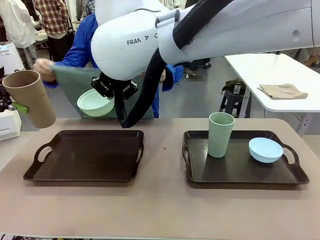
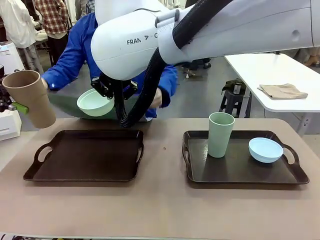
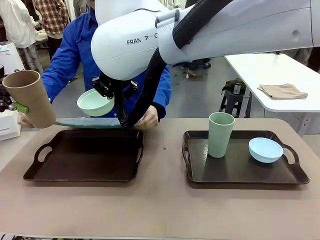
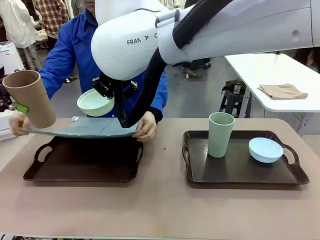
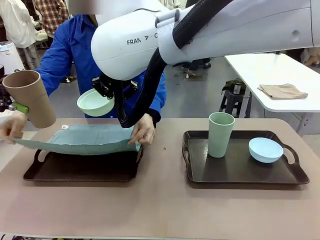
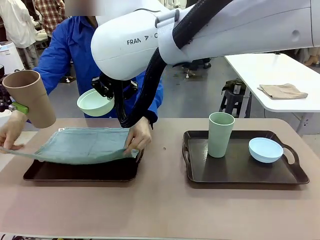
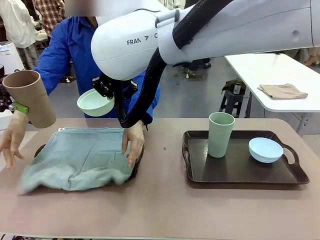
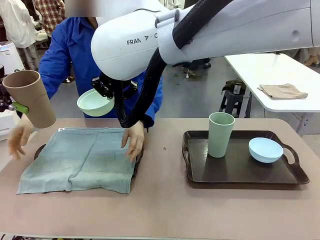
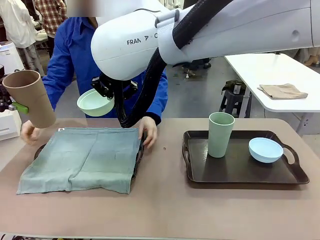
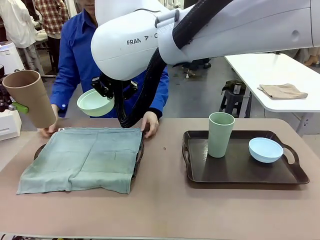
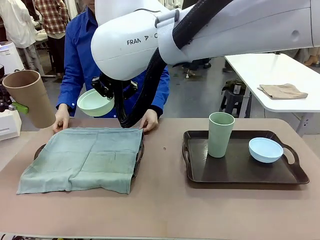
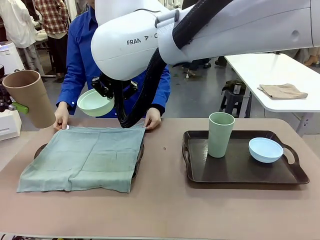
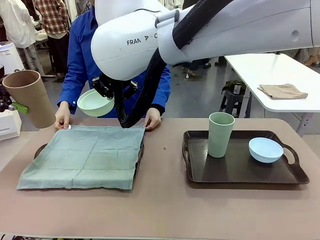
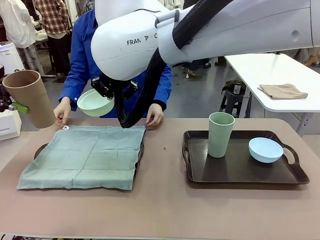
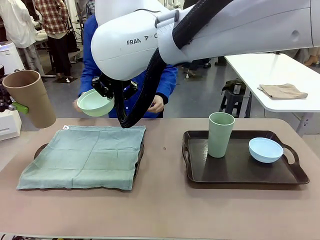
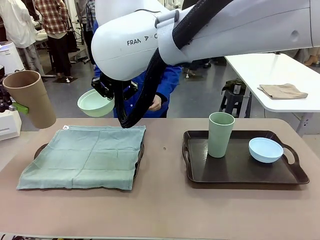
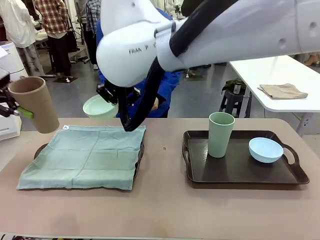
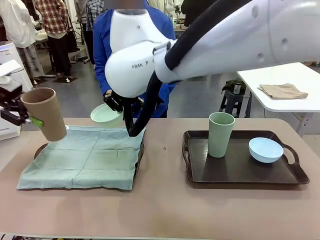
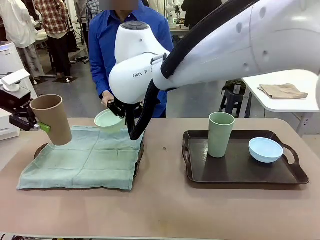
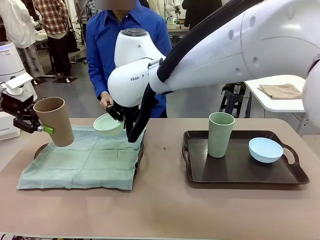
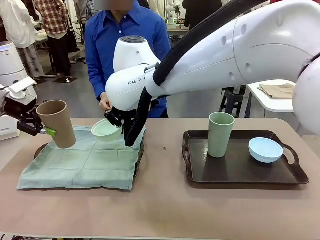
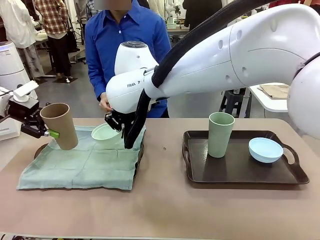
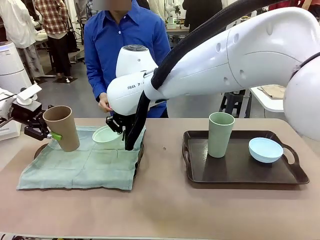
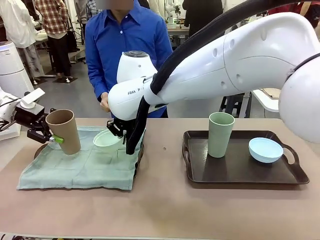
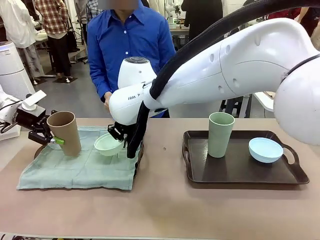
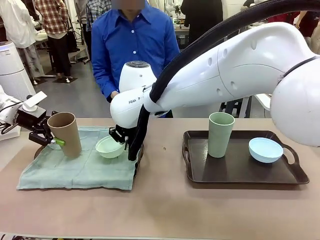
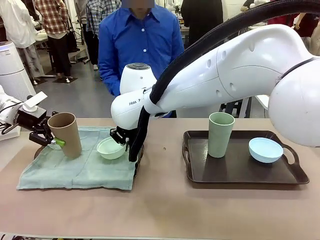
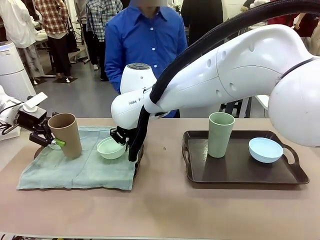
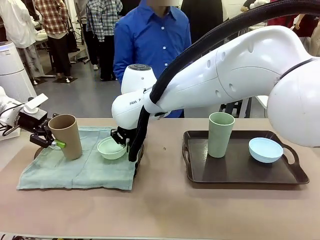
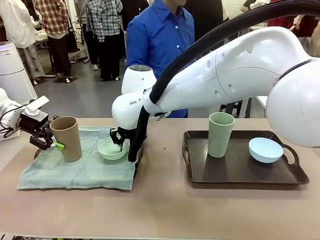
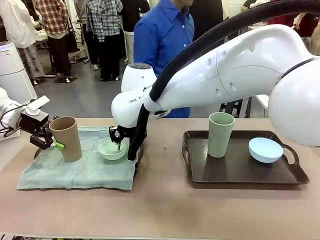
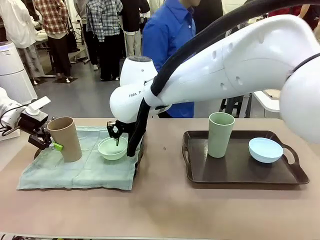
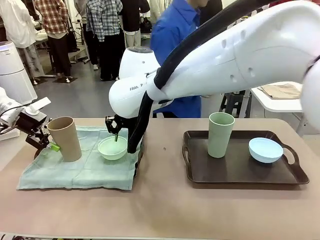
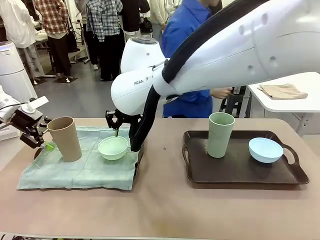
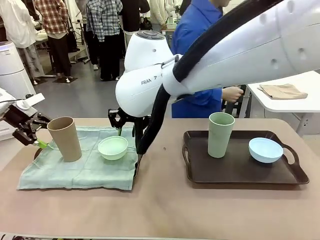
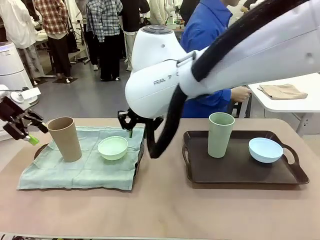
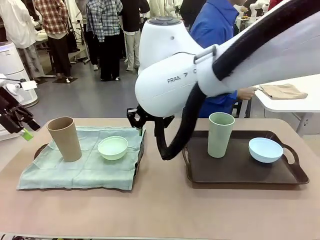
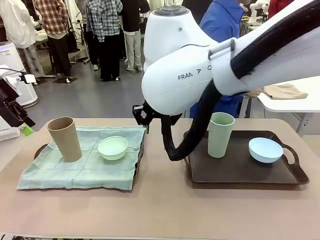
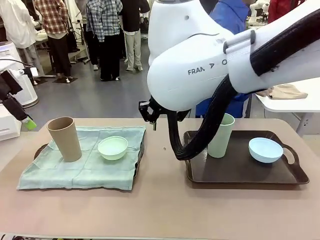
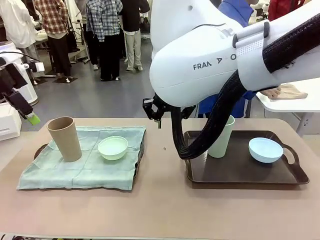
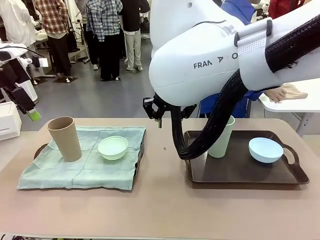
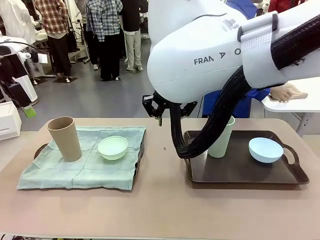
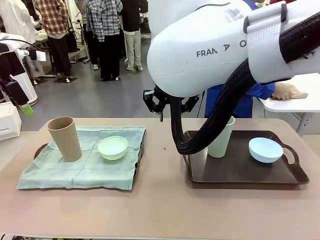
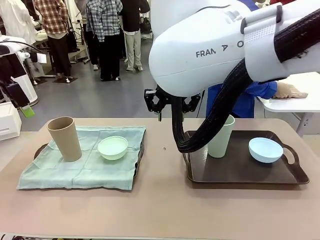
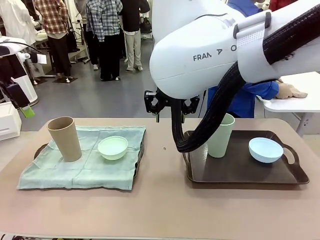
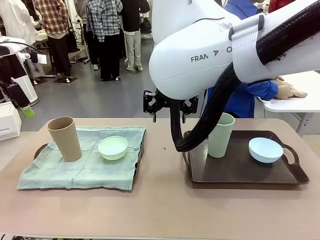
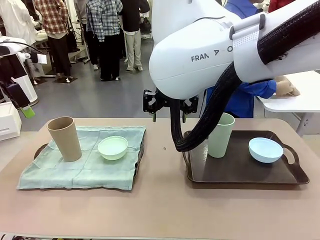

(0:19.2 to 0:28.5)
Robot: Place the Picnic Bowl and Reusable plastic cup back onto the Handle tray in front of the human's position.
Person: The human returns to the human table to pick up another napkin and walks to the robot table to stand in front of the tray without a napkin.

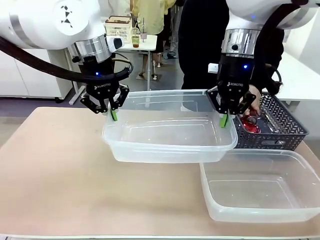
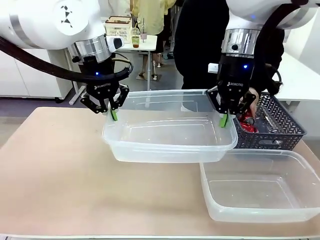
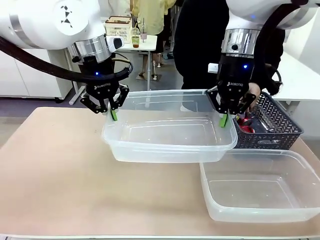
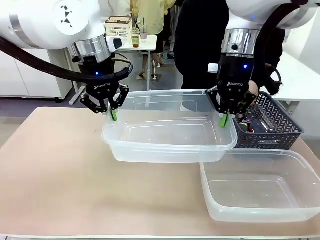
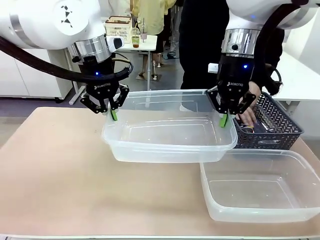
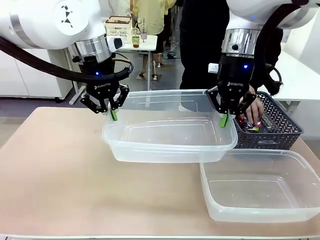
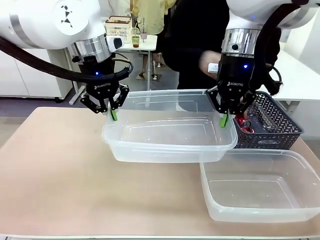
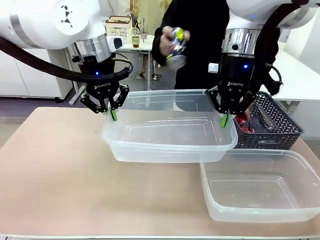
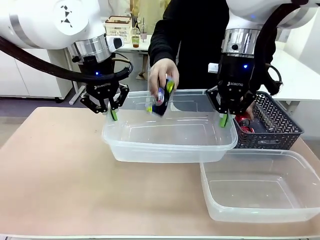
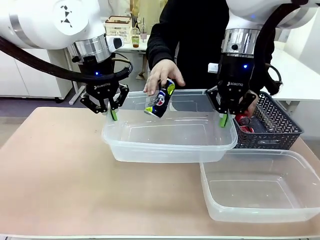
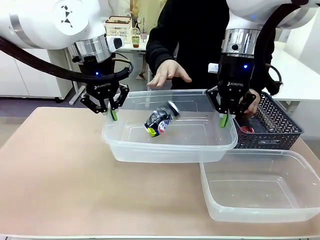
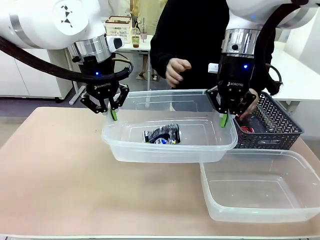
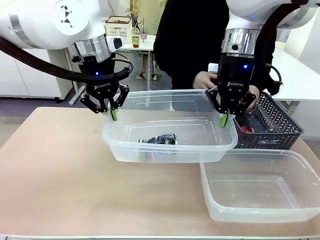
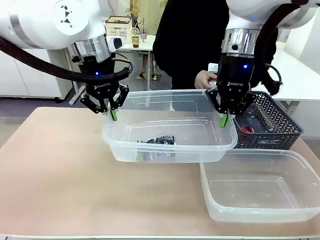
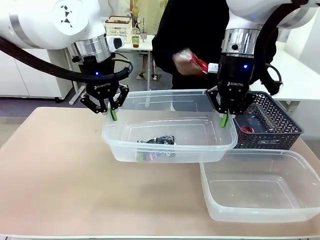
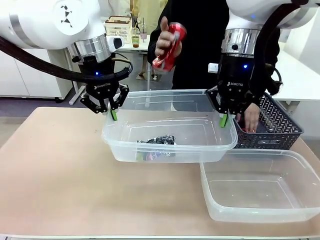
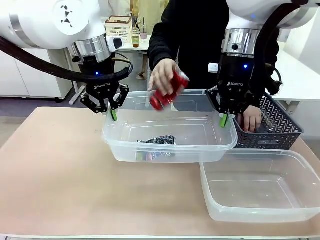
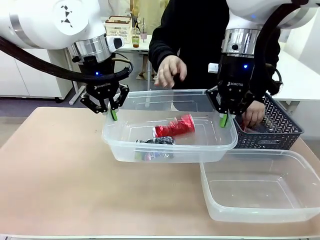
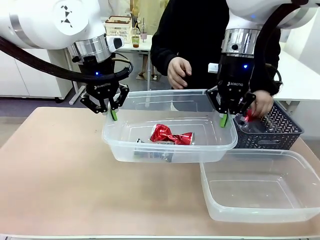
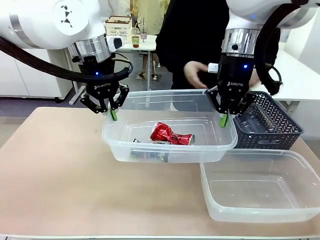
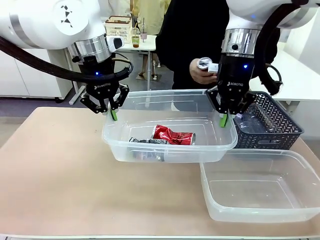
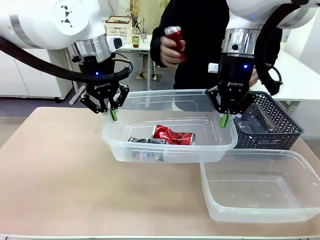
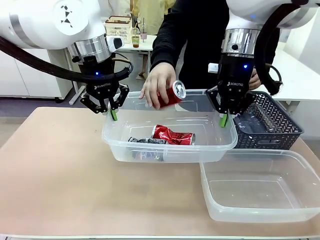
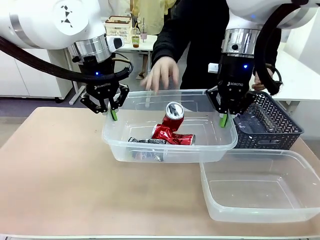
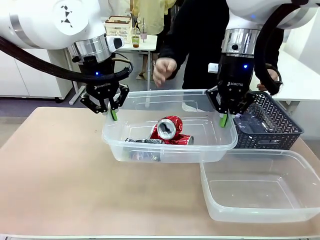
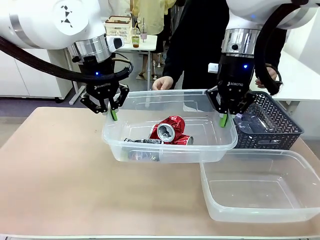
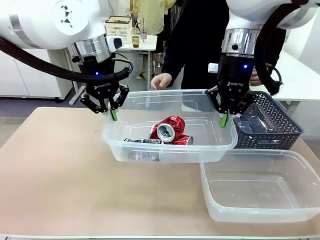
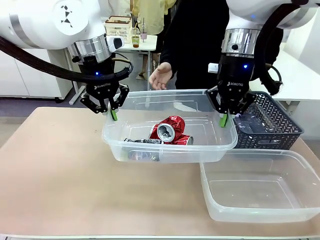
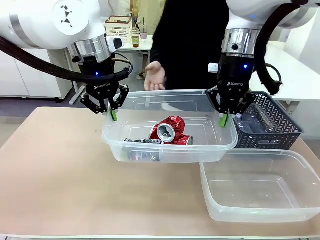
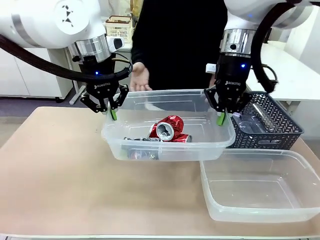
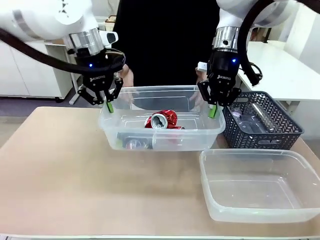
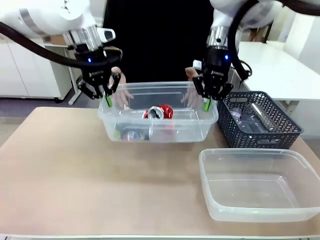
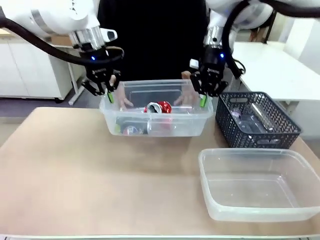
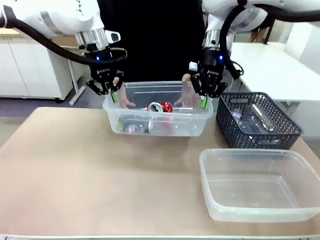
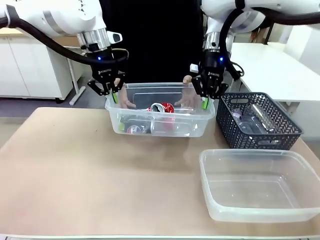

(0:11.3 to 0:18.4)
Robot: Offer the picked Organizing box to the human.

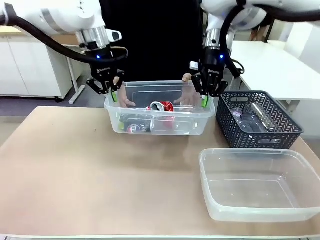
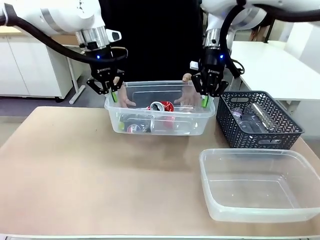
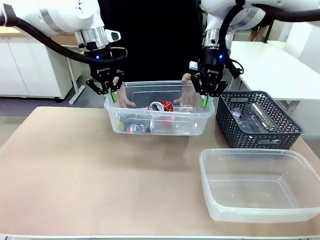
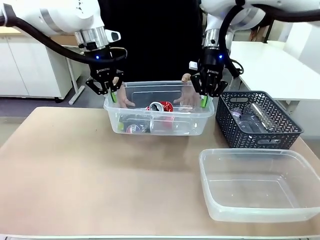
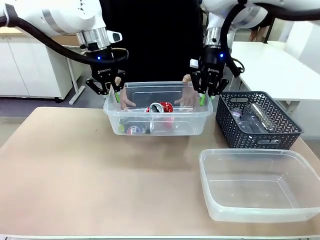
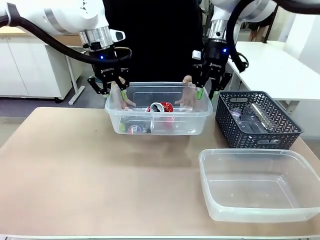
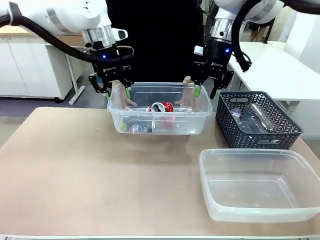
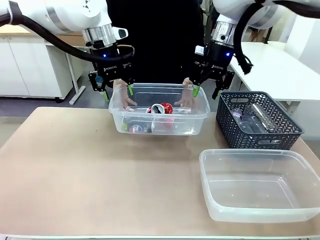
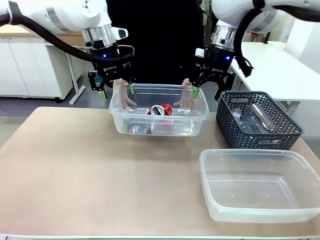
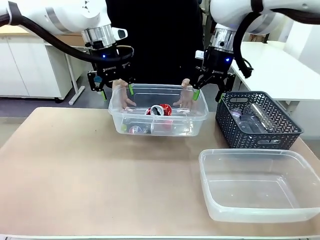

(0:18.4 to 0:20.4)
Robot: Release the Organizing box you were holding.

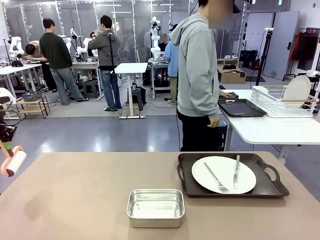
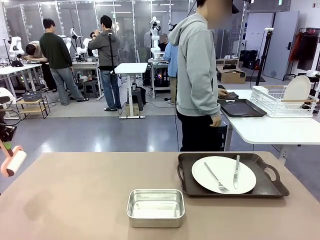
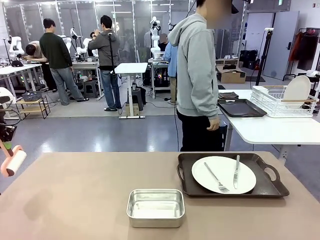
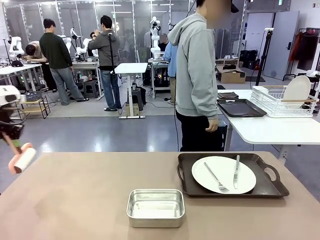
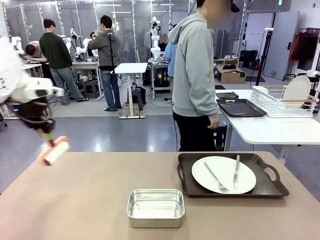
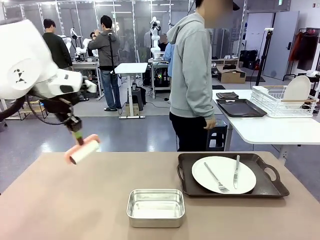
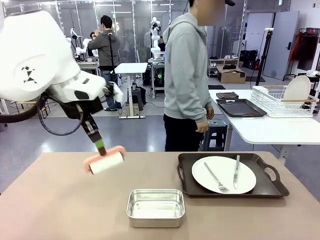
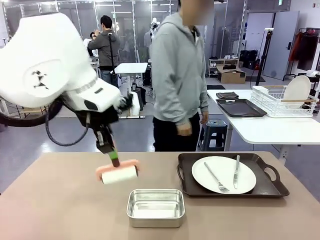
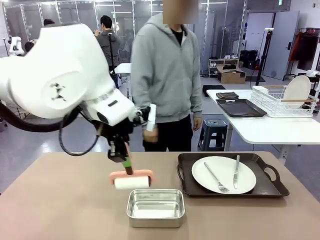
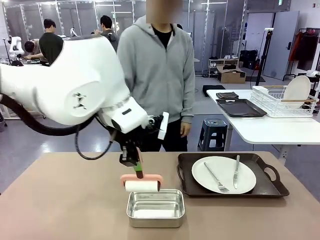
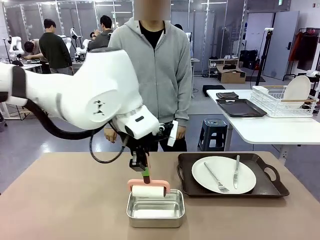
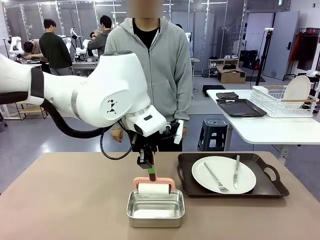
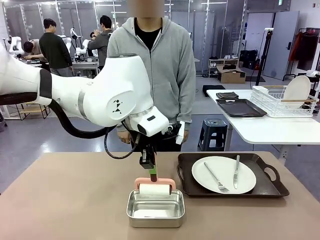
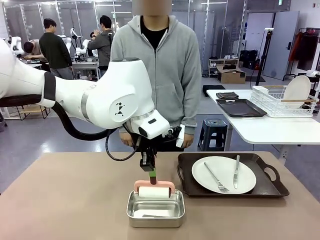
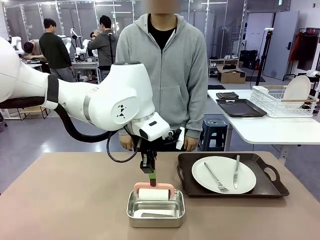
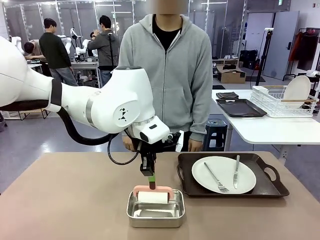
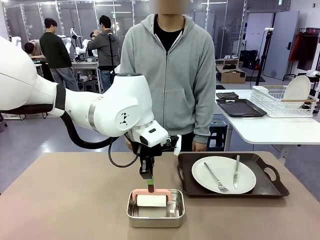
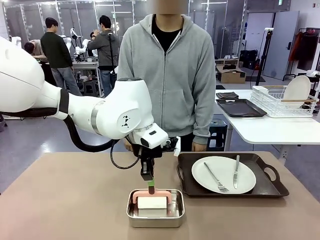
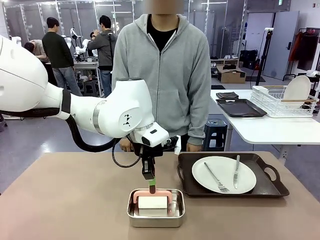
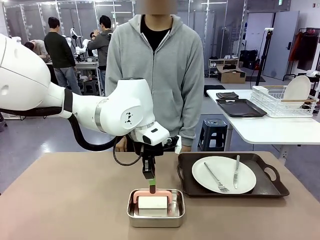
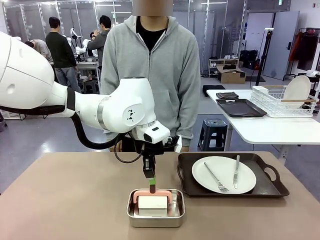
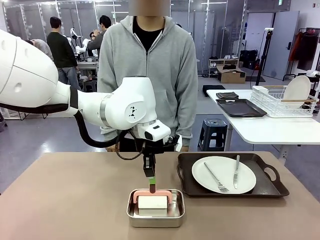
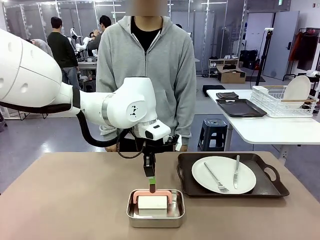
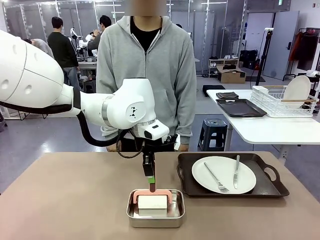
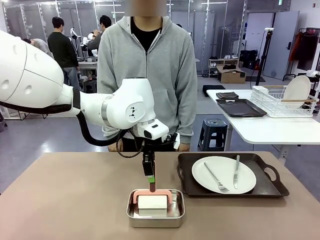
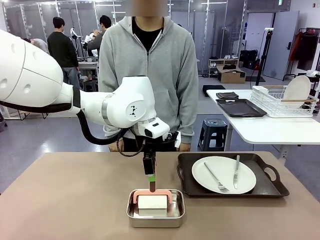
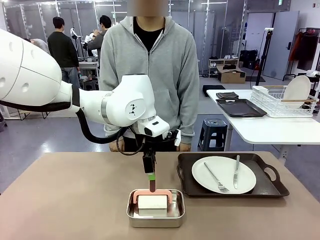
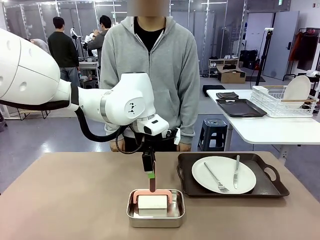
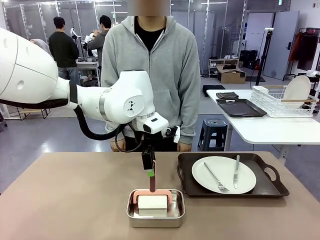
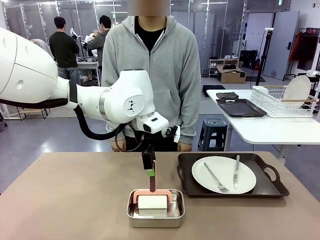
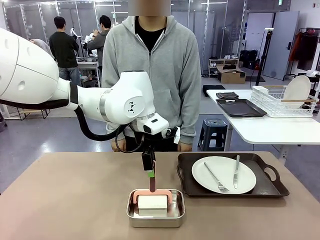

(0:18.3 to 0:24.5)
Robot: Place the Lint Roller back on top of the Airtight Container.
